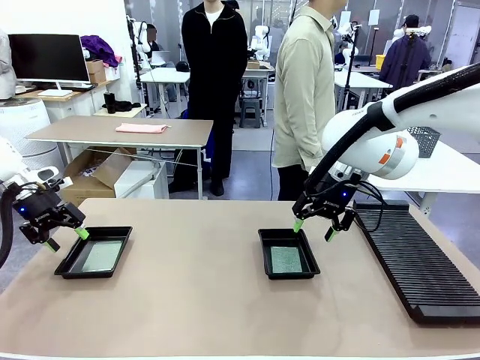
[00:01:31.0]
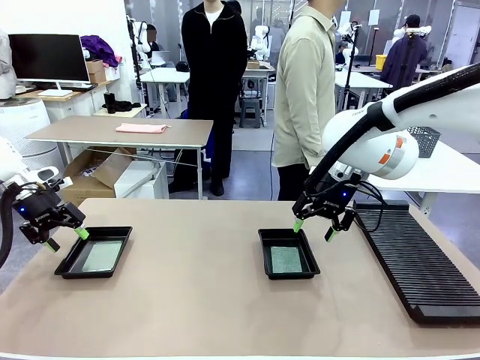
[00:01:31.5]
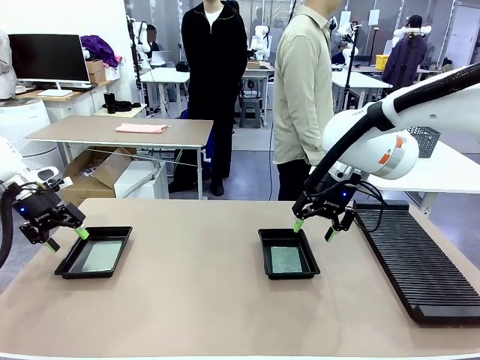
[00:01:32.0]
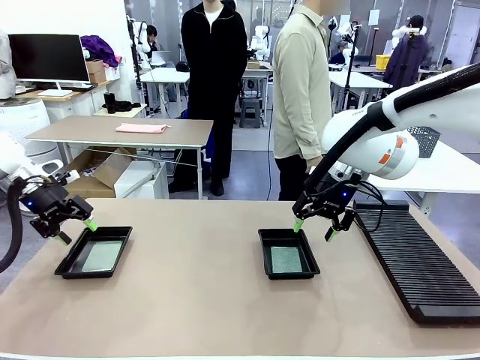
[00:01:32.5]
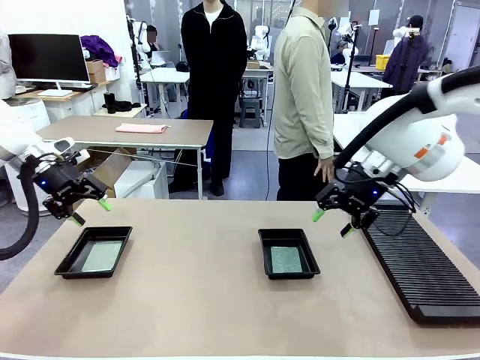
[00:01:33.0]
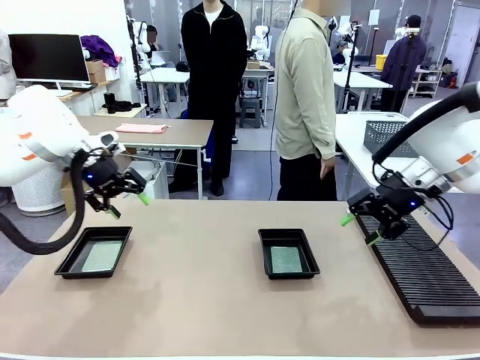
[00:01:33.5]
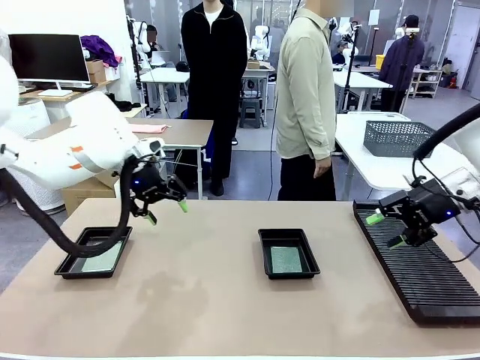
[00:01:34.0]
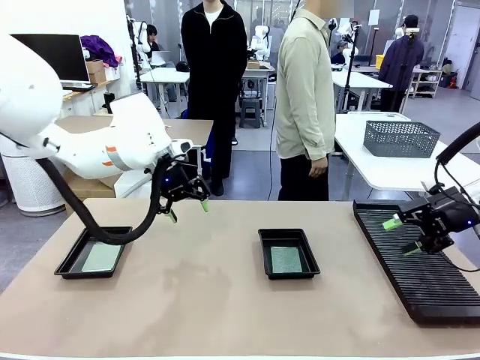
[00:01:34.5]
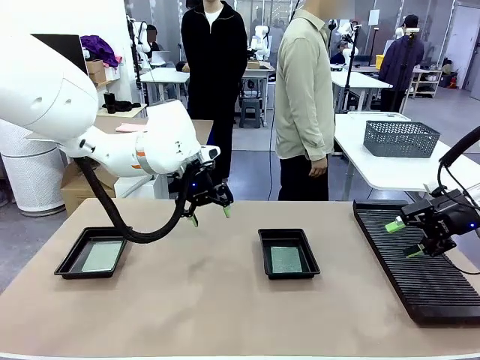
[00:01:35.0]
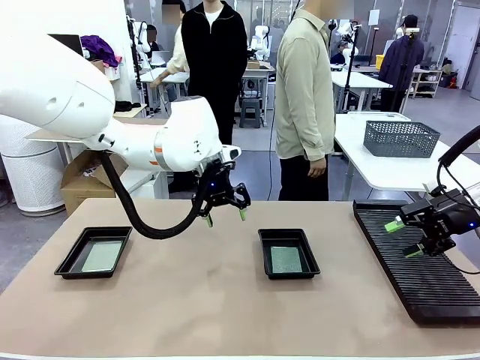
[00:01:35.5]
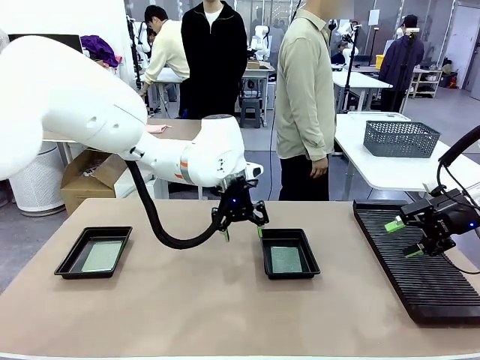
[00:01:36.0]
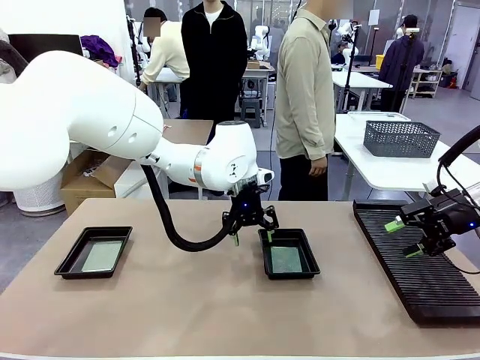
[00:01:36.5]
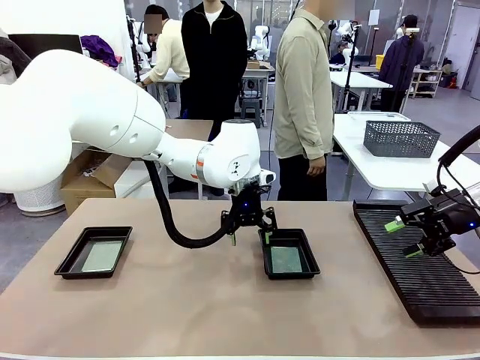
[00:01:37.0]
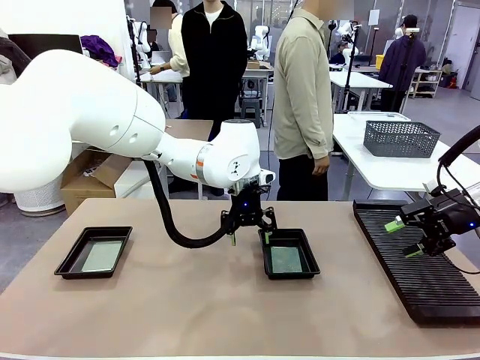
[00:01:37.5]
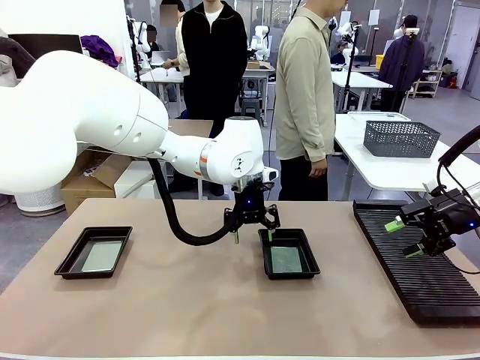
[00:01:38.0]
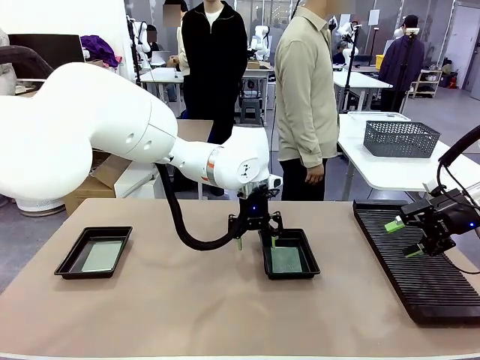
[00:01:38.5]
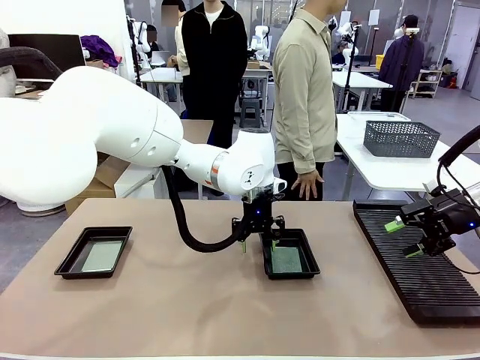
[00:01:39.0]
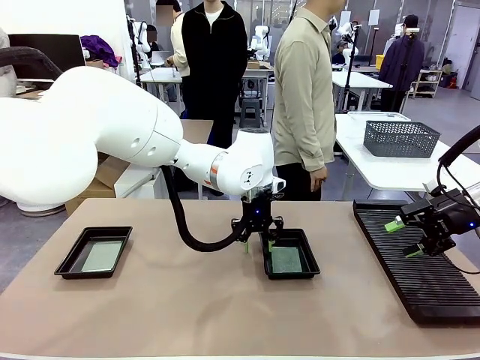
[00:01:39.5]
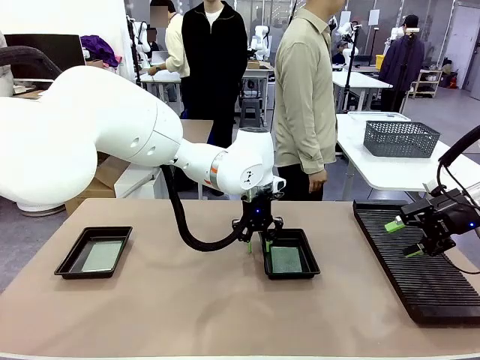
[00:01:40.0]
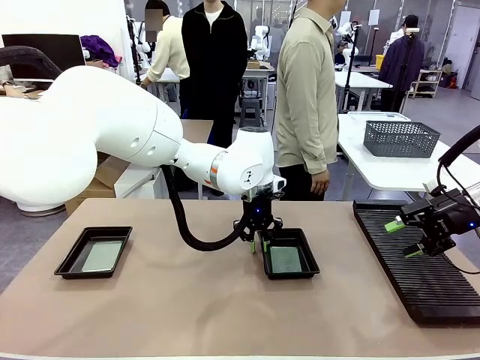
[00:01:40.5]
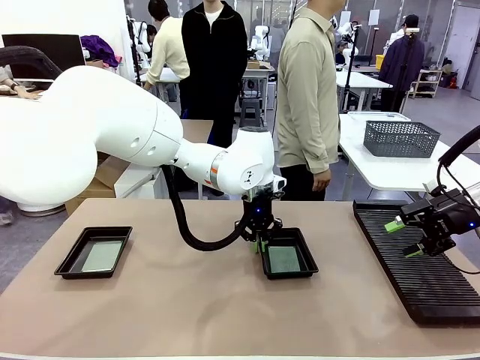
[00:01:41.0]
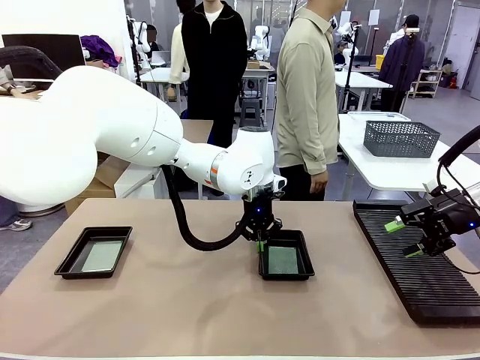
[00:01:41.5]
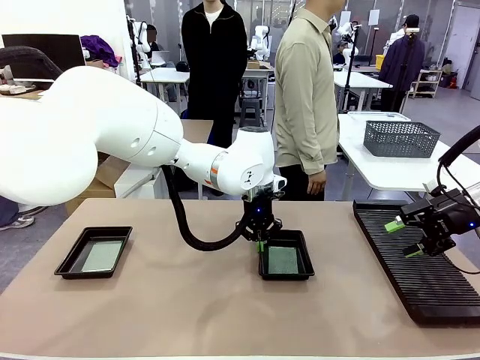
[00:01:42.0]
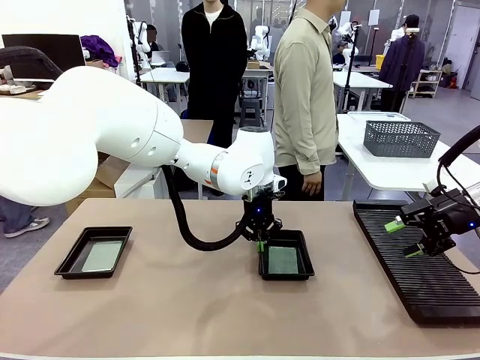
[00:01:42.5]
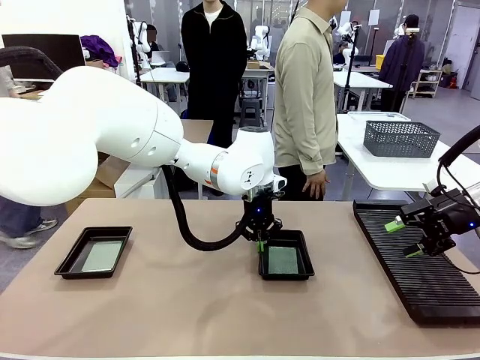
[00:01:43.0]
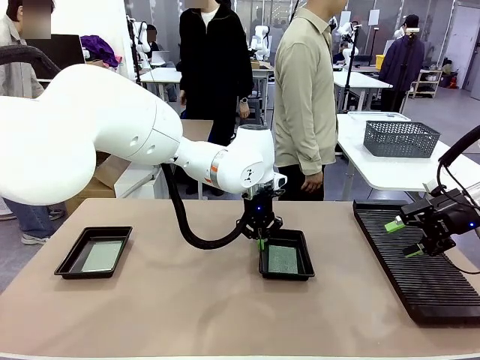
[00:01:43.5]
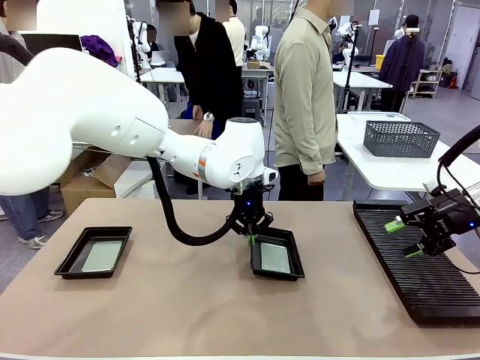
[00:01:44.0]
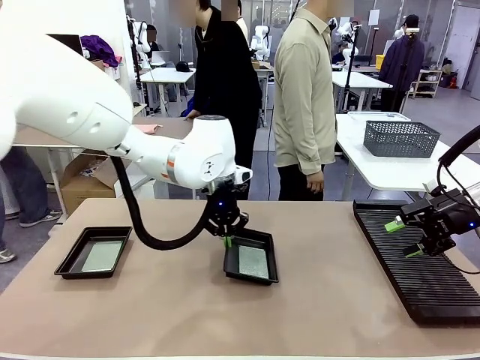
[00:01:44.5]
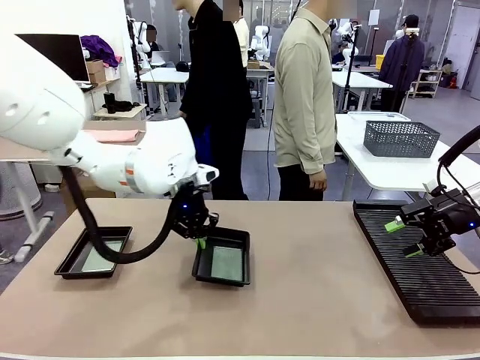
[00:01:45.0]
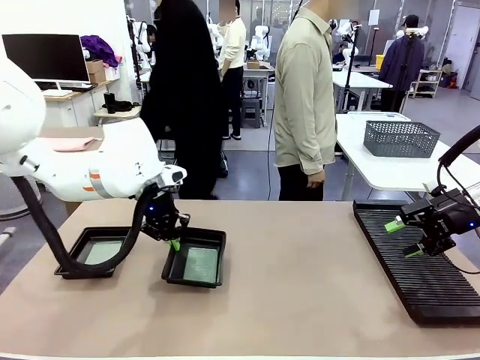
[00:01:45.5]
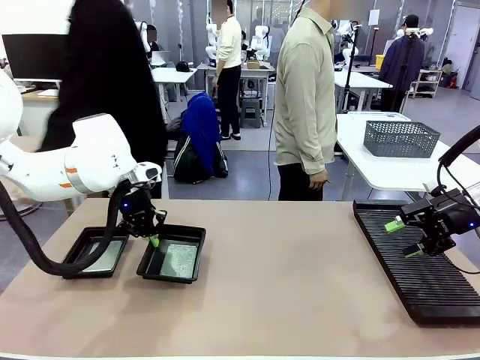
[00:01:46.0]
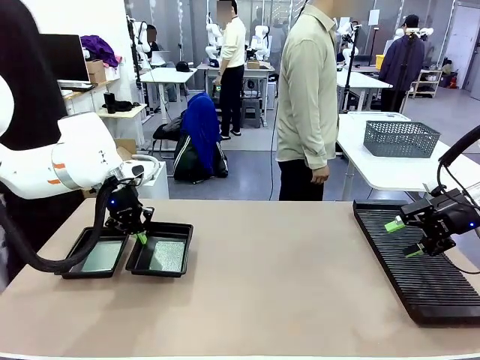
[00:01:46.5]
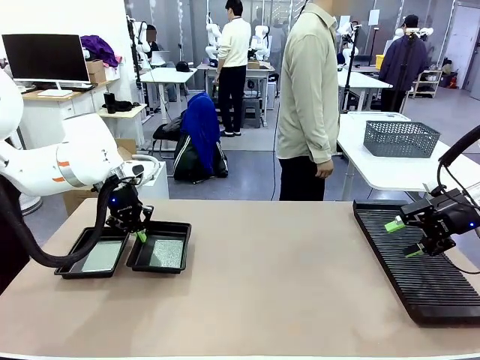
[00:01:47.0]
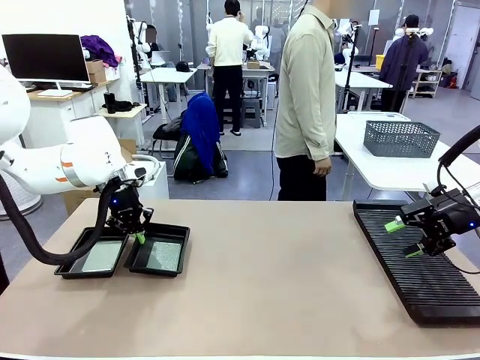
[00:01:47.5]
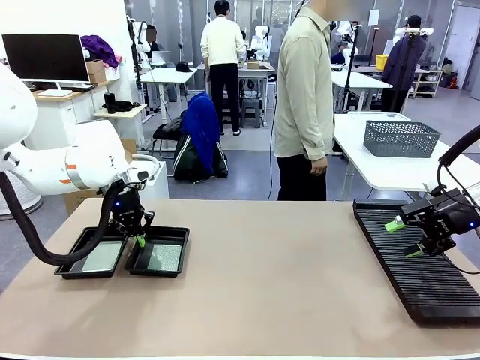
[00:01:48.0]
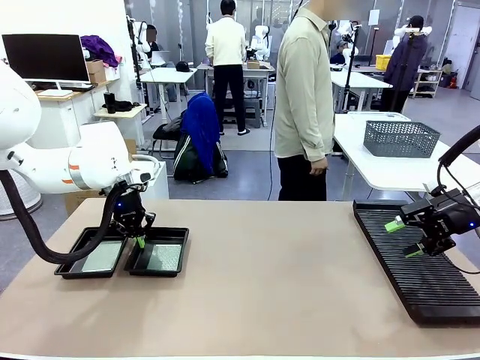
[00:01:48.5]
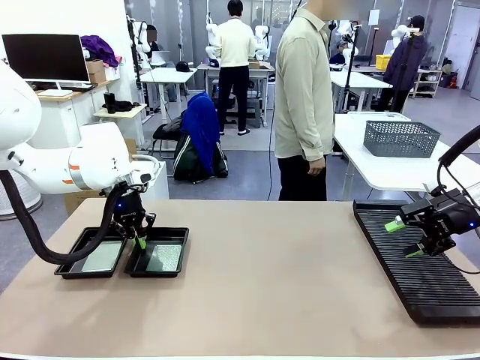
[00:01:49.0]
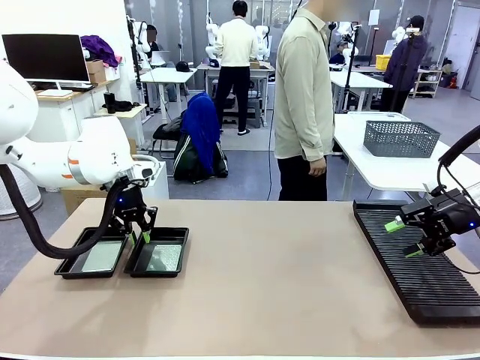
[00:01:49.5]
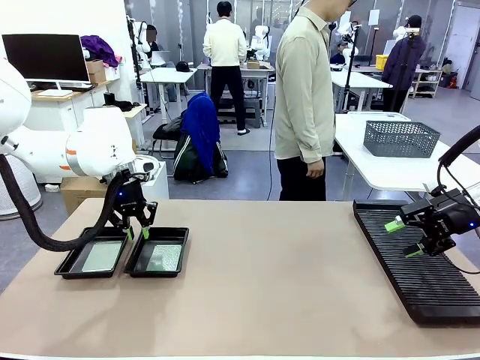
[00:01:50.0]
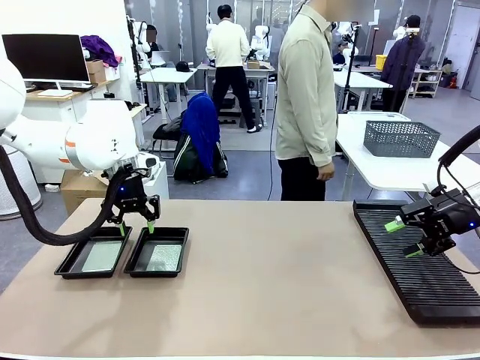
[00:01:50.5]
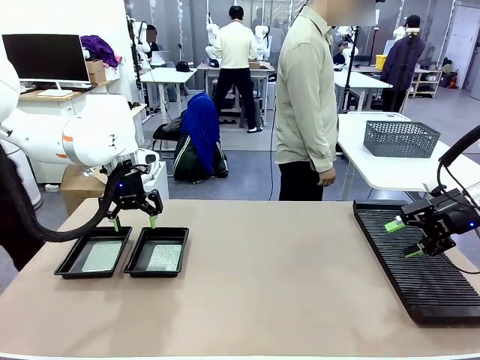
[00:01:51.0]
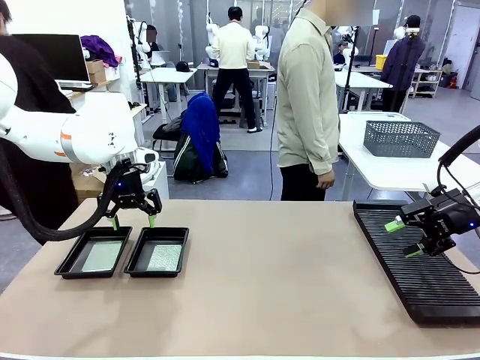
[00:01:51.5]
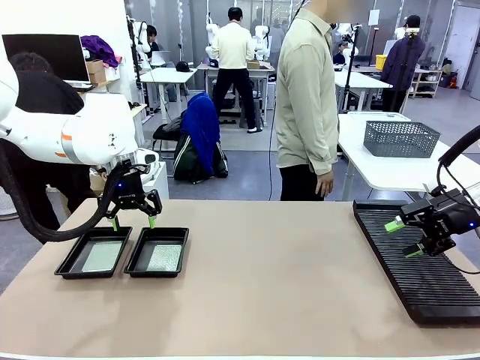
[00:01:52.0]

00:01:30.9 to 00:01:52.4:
Task: Inspect and transfer BCBs to ESD trays.
Robot: Pick up the ESD tray and place it on the left side of the table.

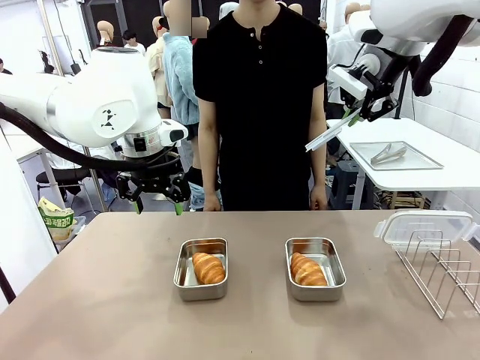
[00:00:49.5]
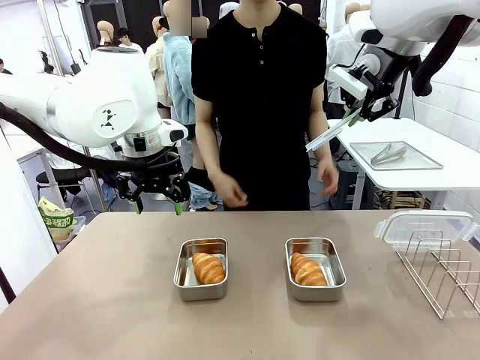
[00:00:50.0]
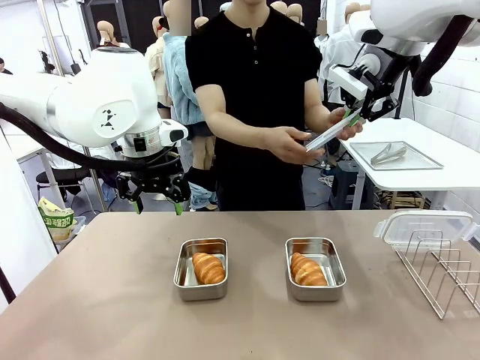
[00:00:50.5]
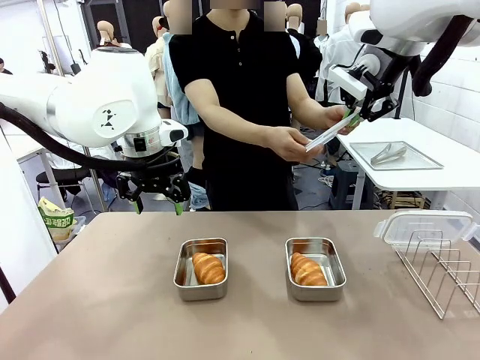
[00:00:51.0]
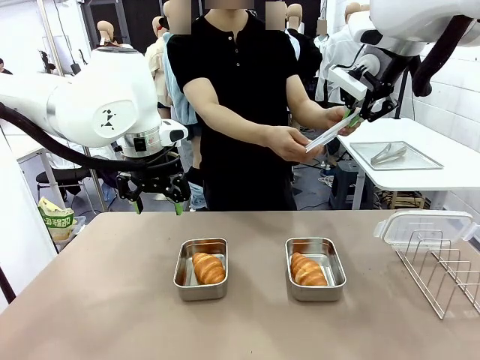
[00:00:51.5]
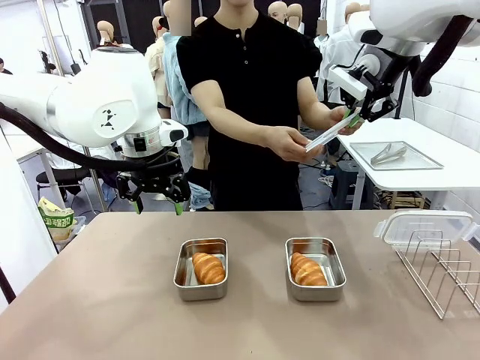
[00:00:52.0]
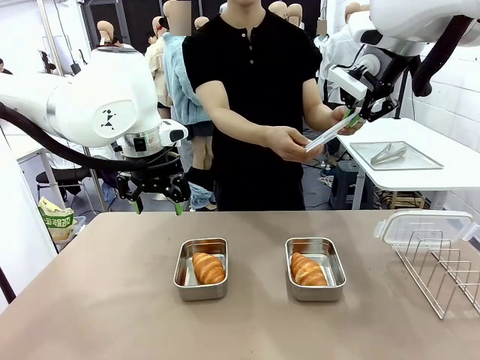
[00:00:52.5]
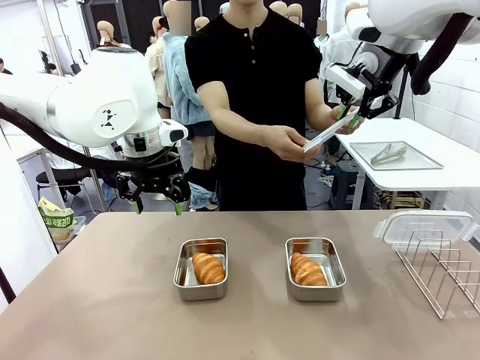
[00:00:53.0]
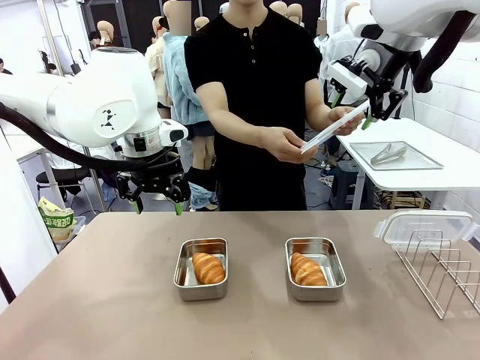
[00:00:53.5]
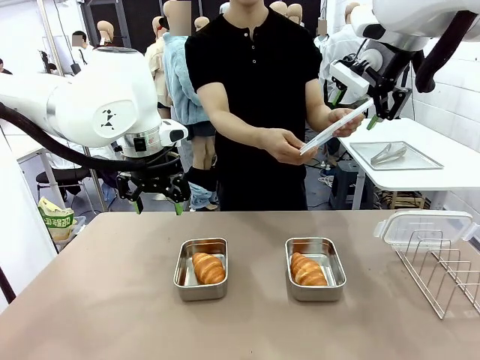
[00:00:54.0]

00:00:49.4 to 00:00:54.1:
Task: Place the bread in airtight containers.
Robot: Release when the human grabs the Airtight Container lid.
